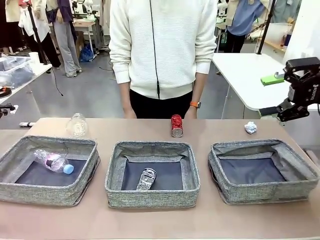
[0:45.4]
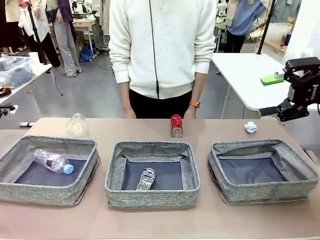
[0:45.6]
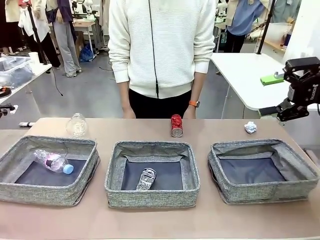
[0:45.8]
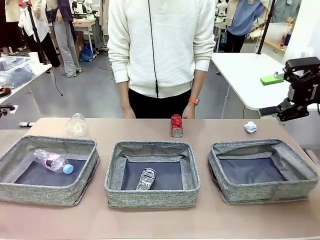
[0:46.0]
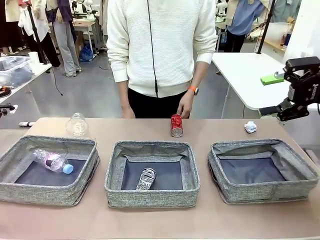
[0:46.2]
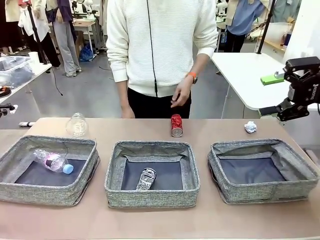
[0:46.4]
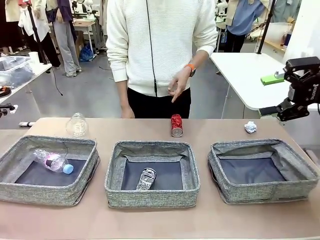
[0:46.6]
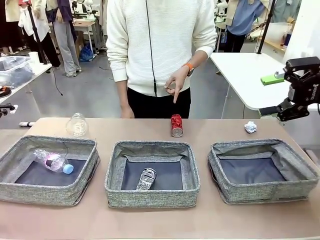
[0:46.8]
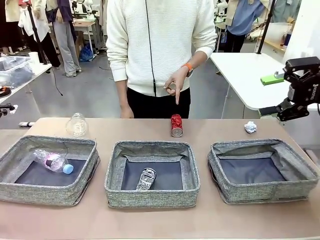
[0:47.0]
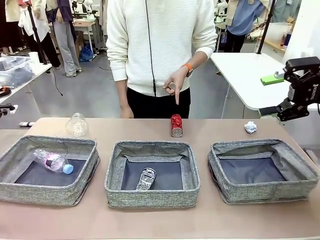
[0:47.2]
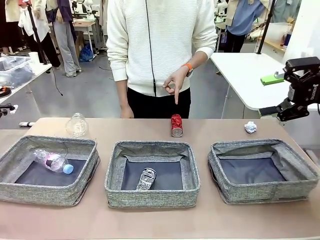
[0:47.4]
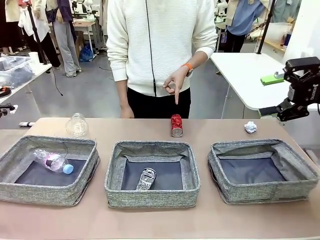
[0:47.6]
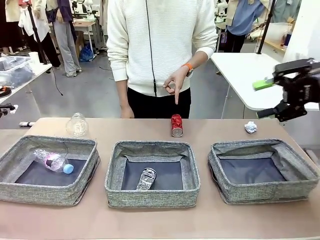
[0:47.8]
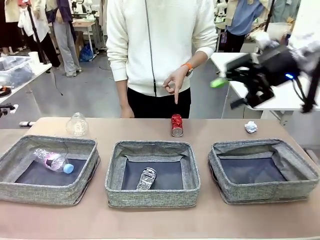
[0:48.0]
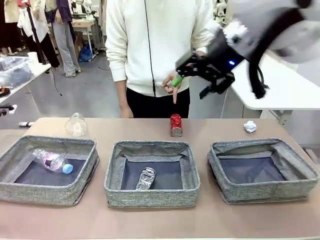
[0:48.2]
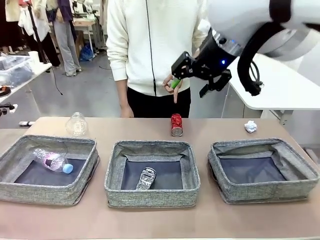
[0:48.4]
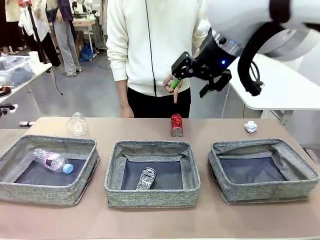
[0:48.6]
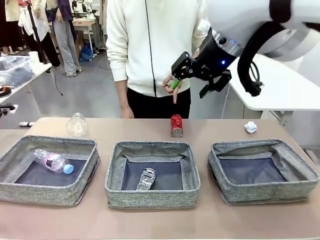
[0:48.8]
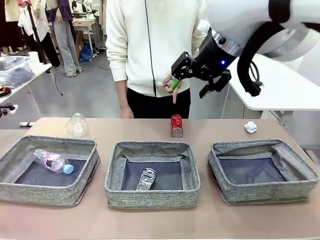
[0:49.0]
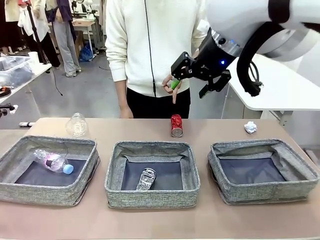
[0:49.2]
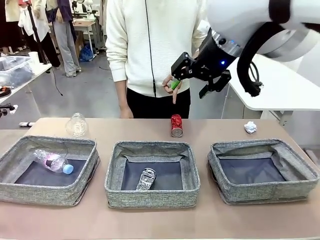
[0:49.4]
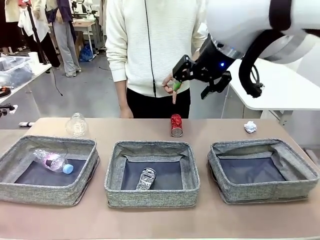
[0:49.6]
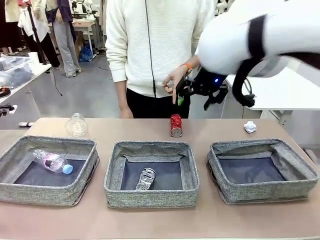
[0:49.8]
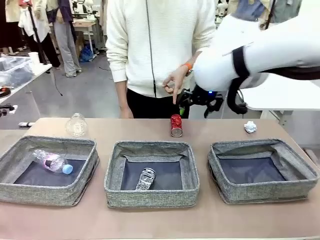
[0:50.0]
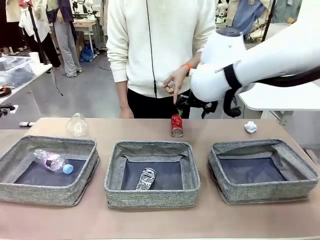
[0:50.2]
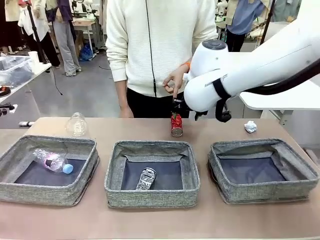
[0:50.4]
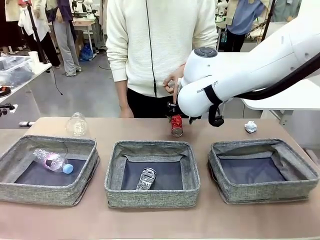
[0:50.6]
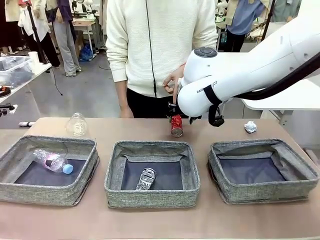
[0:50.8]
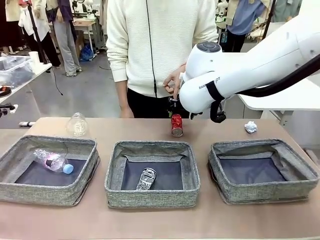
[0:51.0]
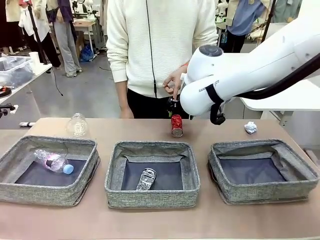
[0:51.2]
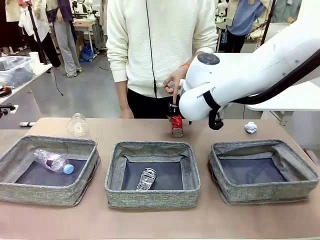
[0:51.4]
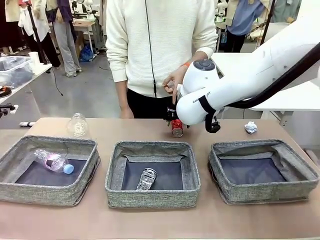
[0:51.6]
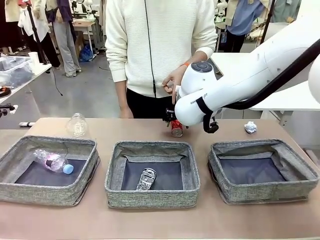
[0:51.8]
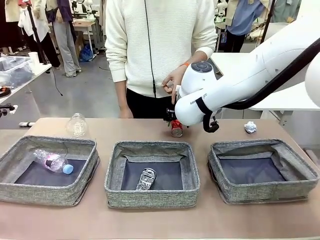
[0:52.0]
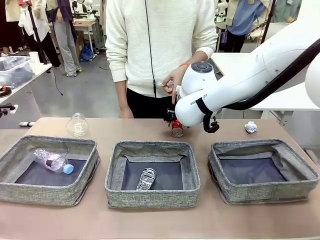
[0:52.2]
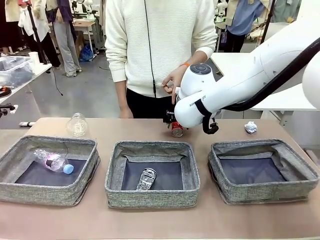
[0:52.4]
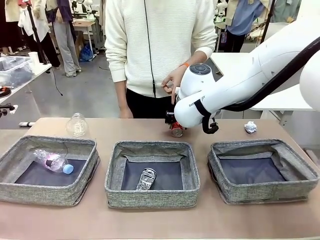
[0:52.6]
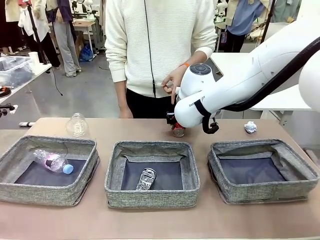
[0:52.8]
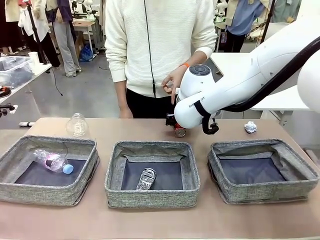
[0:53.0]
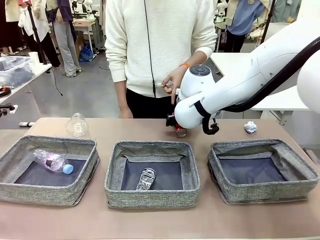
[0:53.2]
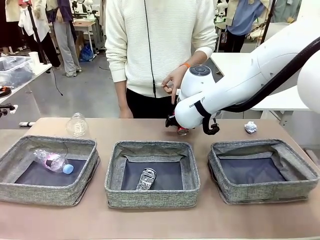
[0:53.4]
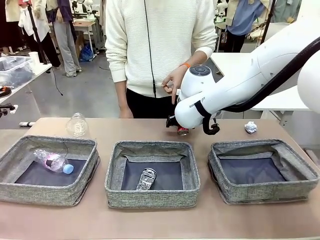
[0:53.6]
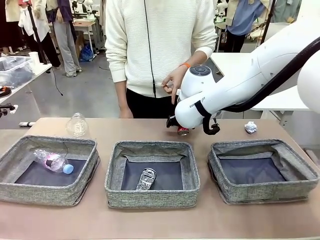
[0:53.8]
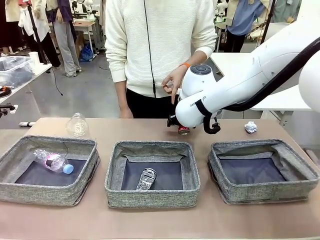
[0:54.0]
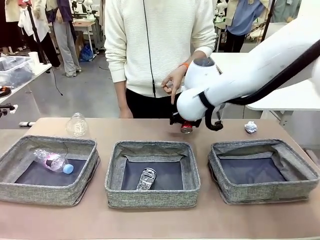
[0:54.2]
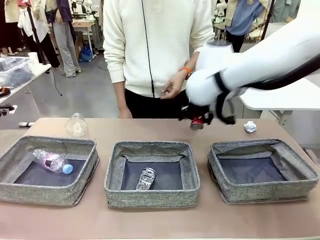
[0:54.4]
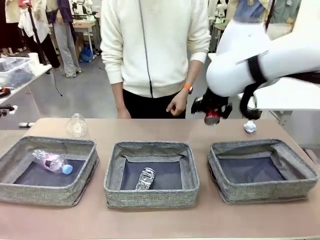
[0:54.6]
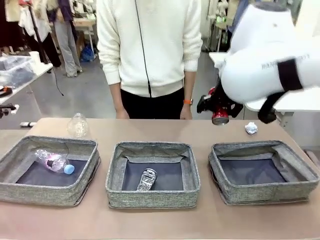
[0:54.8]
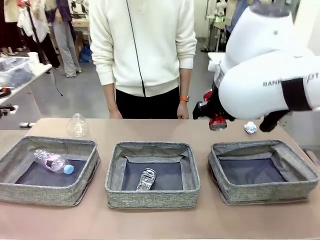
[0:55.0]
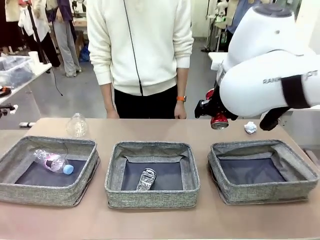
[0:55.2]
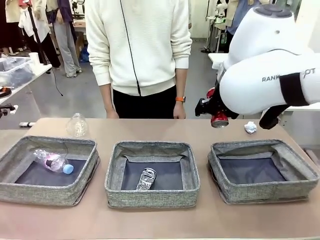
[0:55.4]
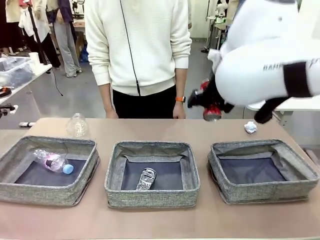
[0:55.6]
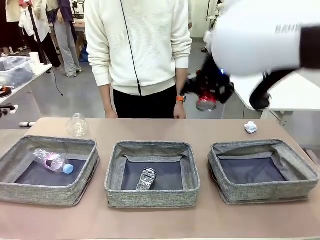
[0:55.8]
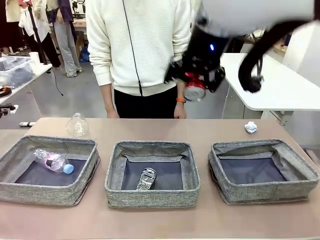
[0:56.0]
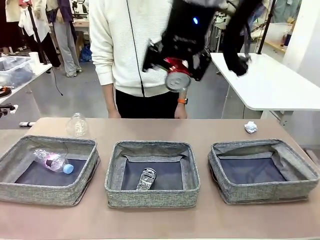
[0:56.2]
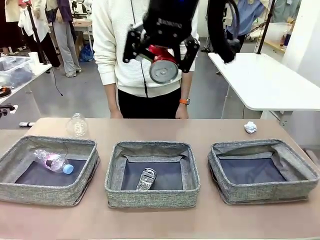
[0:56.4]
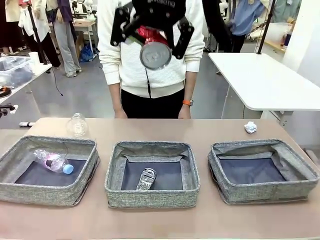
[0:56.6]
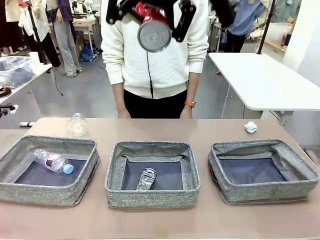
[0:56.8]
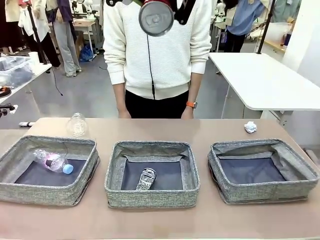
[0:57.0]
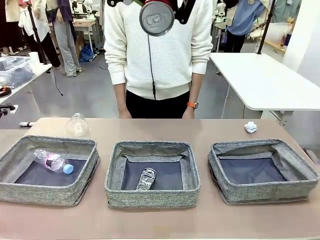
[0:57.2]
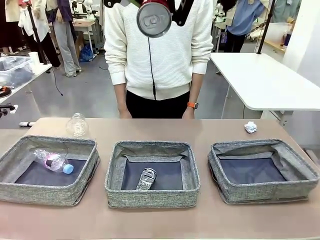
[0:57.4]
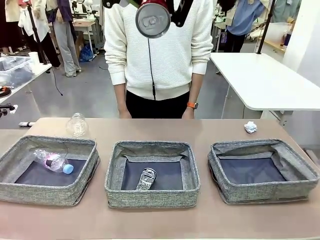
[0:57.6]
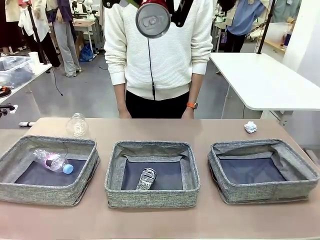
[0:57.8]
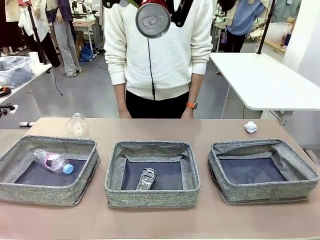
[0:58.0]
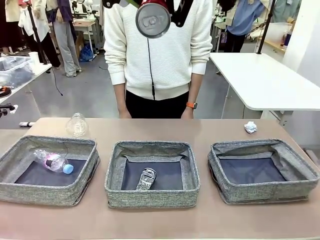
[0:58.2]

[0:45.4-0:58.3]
Task: Sort the waste into the appropriate baskets.
Robot: Pick up the waste item pointed out by the person.
Person: Points to one piece of trash on the table.

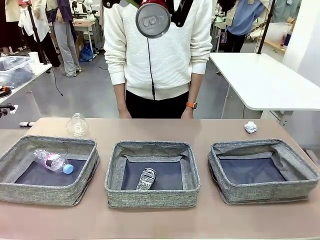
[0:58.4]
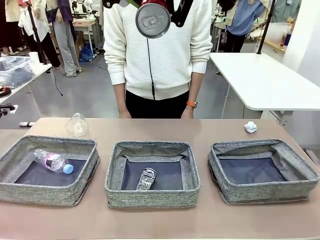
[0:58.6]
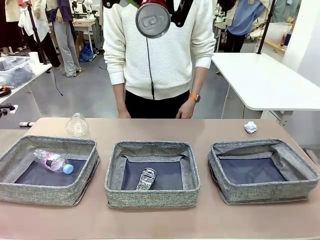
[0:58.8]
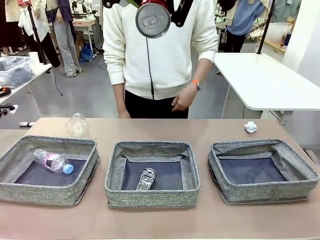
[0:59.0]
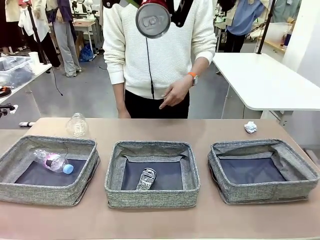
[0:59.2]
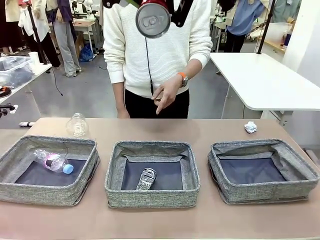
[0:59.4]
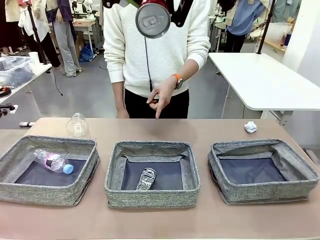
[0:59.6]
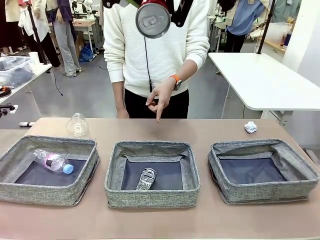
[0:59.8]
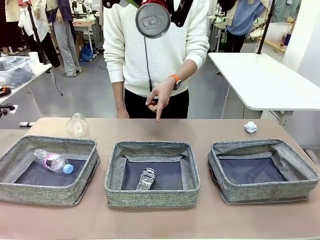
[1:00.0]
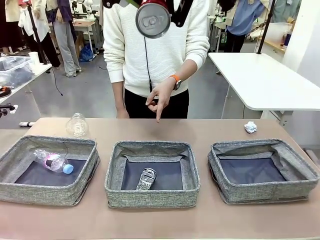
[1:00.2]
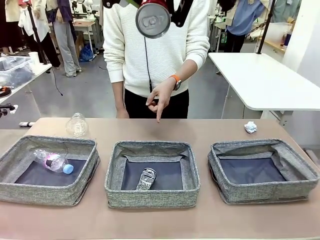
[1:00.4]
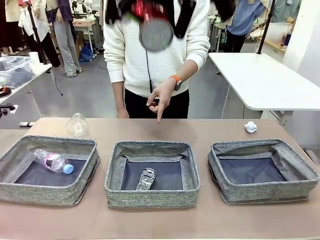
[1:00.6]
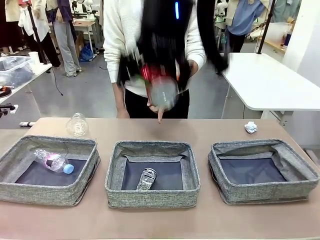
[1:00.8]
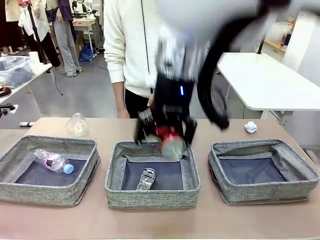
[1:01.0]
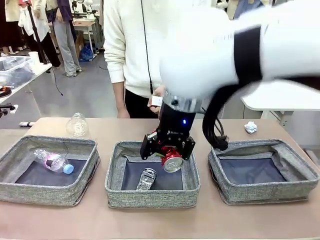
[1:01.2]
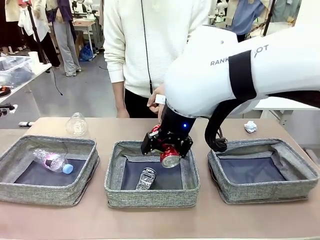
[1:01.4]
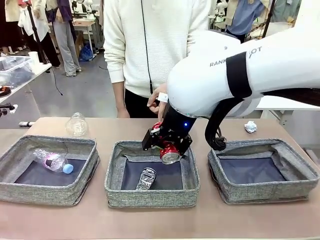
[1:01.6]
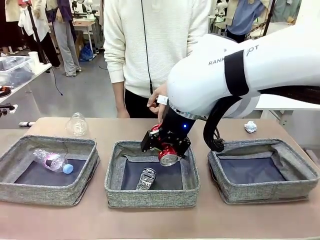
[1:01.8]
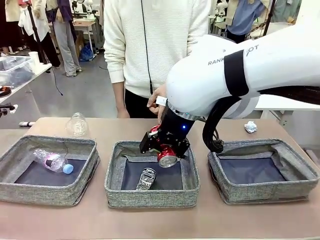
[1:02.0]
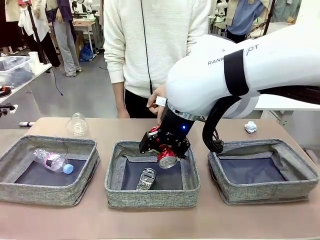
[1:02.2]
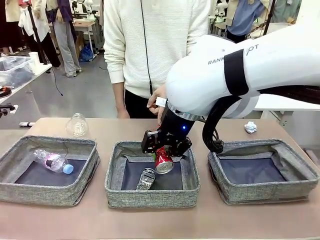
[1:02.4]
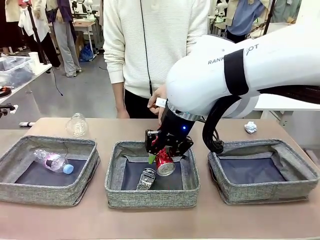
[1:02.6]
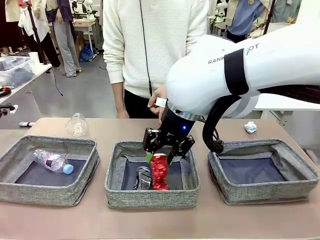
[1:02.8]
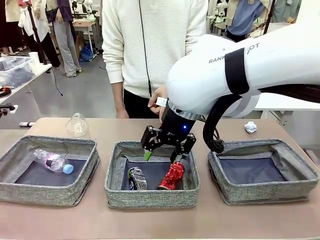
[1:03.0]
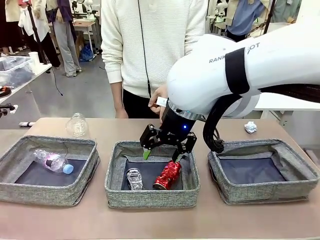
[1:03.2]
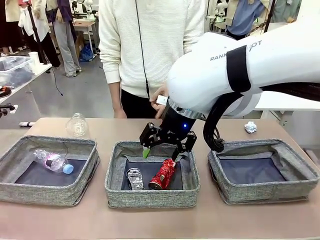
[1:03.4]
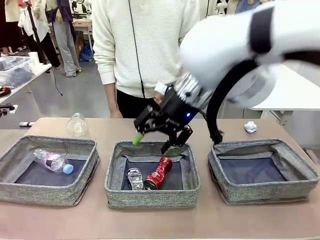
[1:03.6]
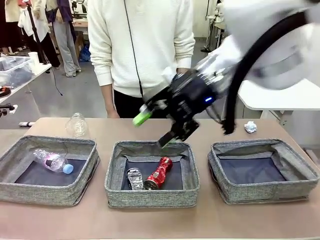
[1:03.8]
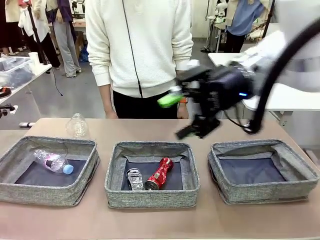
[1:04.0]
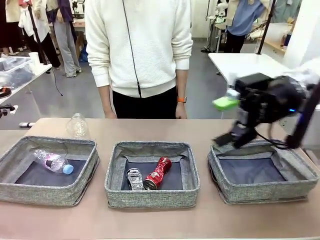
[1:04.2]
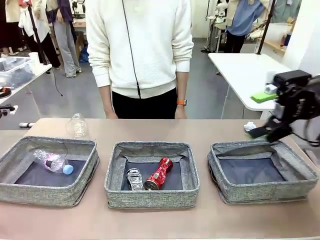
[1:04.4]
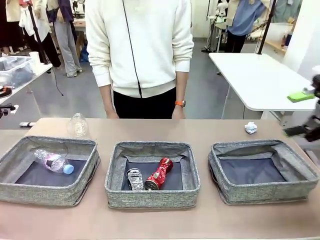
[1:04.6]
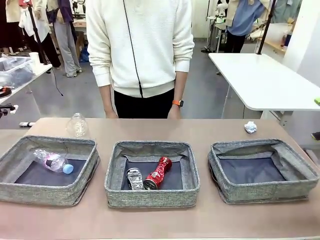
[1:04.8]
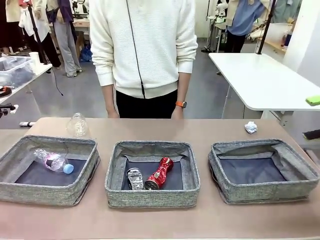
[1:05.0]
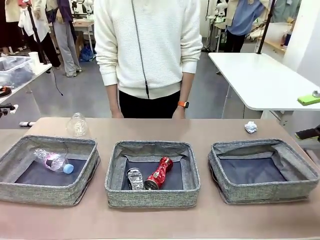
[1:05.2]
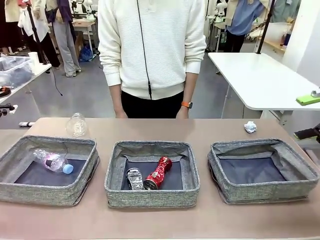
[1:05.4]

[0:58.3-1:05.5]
Robot: Place the picked waste into the Fabric basket indicated by the person.
Person: Instructs the robot to place the picked-up trash into the appropriate organizing basket.
